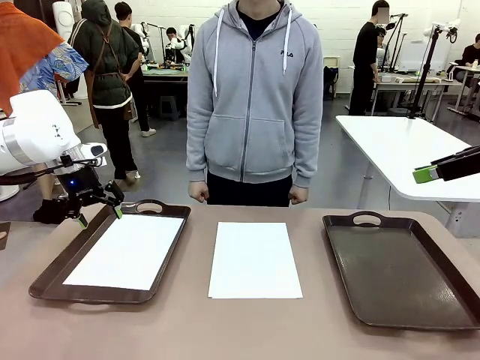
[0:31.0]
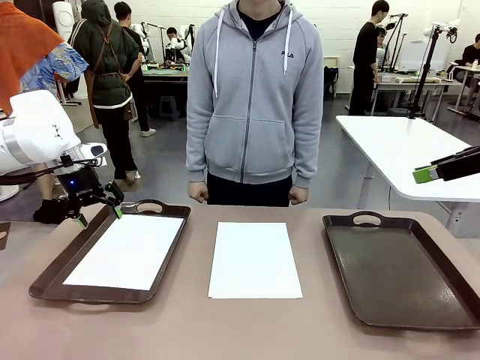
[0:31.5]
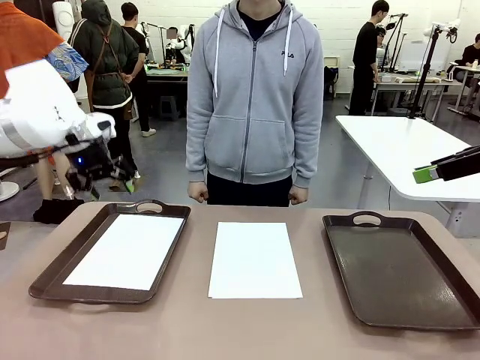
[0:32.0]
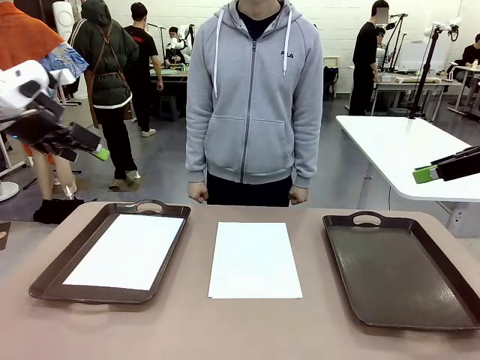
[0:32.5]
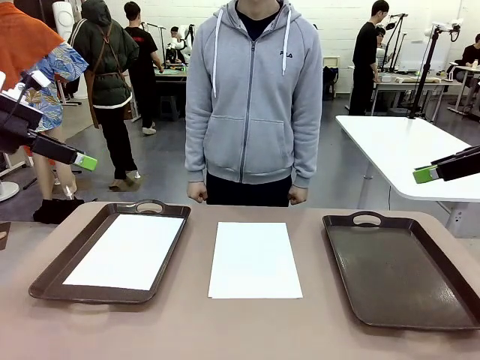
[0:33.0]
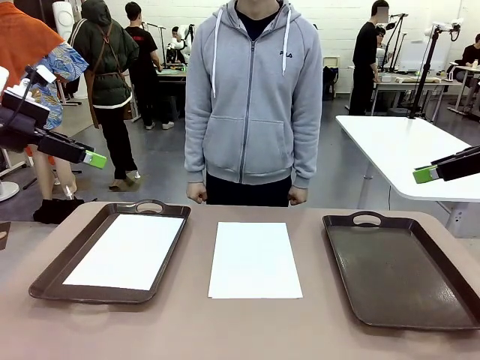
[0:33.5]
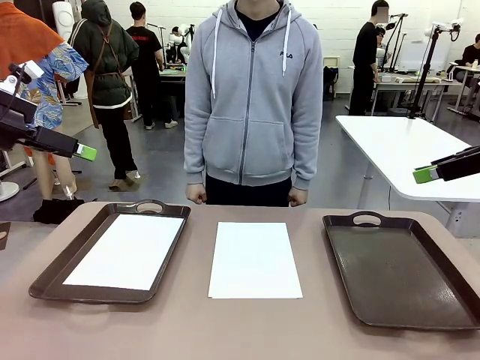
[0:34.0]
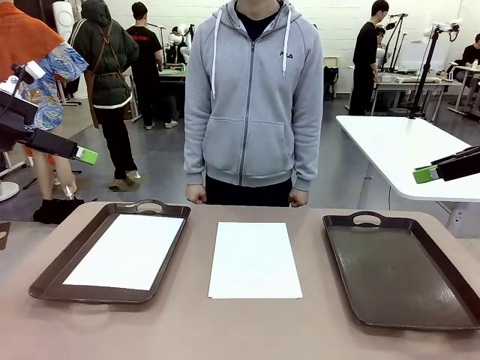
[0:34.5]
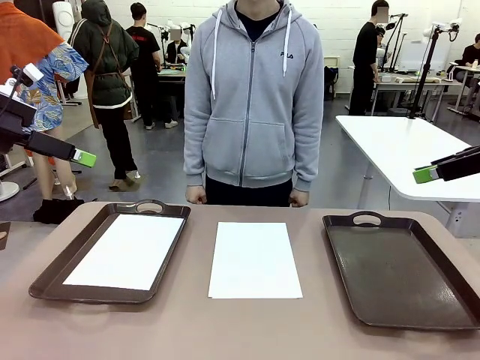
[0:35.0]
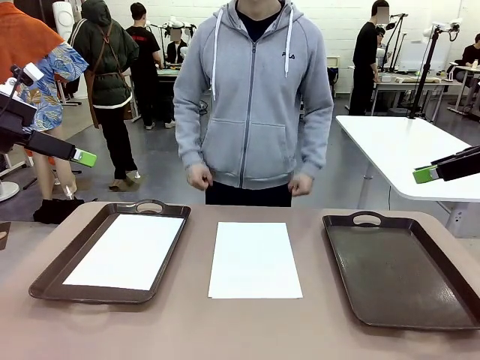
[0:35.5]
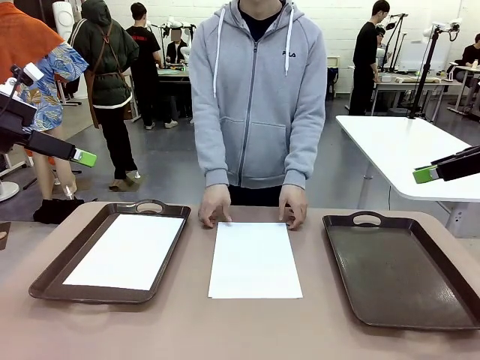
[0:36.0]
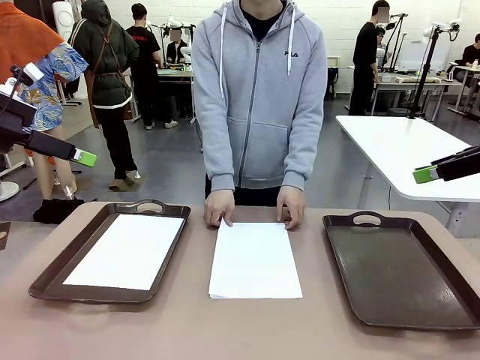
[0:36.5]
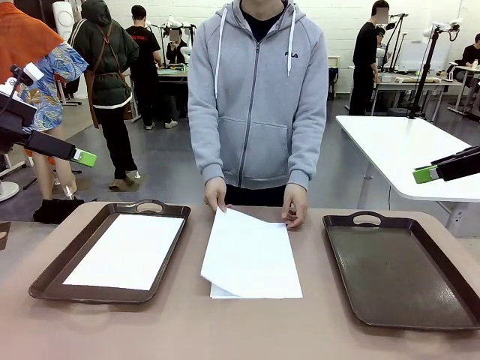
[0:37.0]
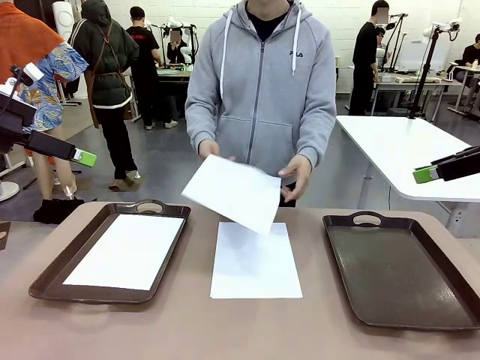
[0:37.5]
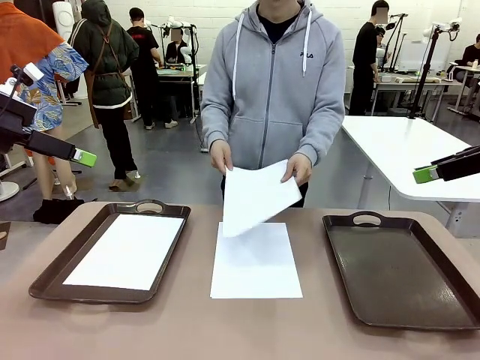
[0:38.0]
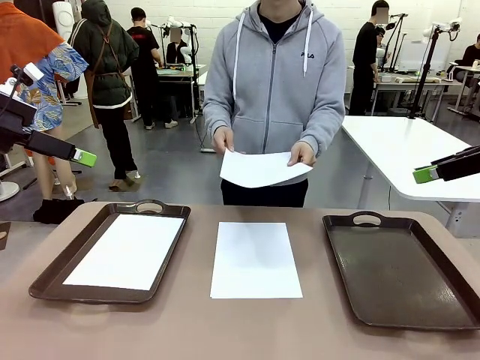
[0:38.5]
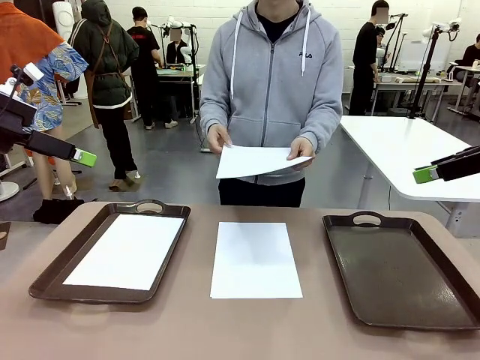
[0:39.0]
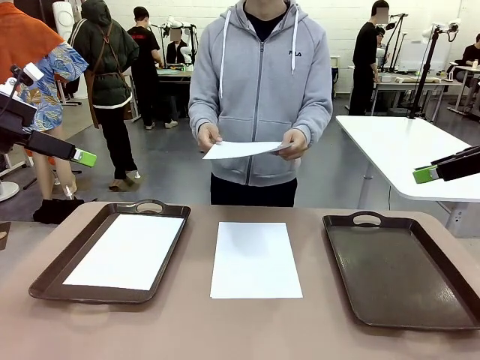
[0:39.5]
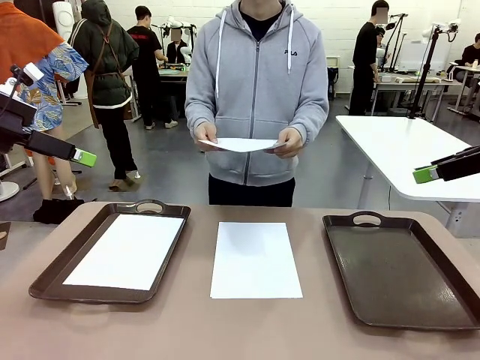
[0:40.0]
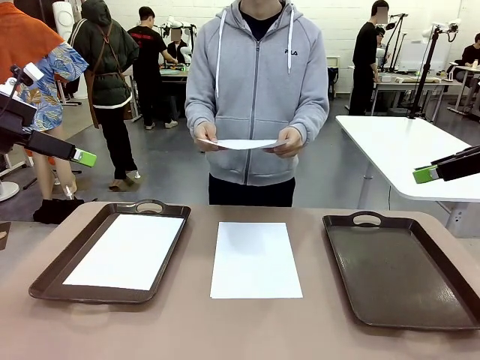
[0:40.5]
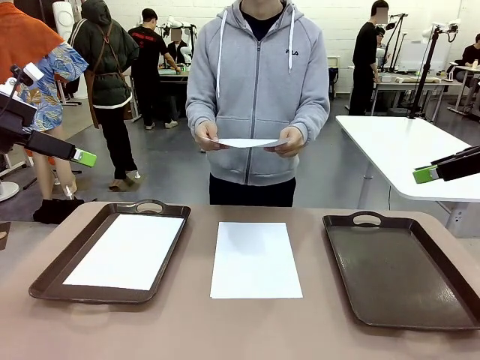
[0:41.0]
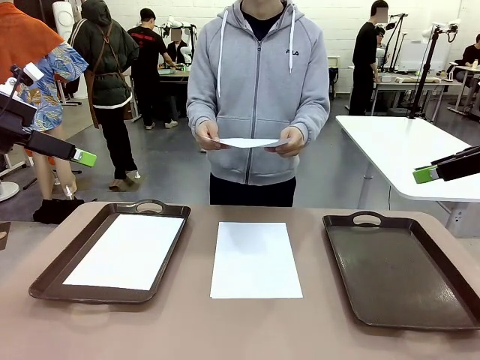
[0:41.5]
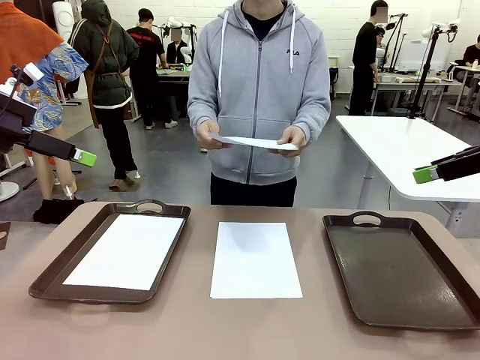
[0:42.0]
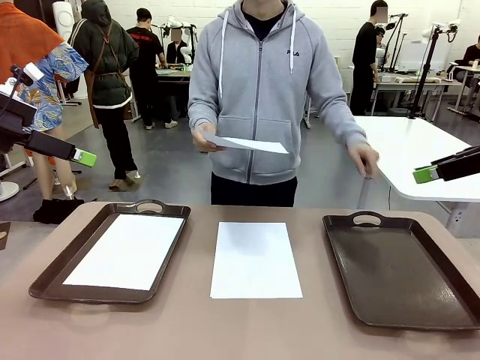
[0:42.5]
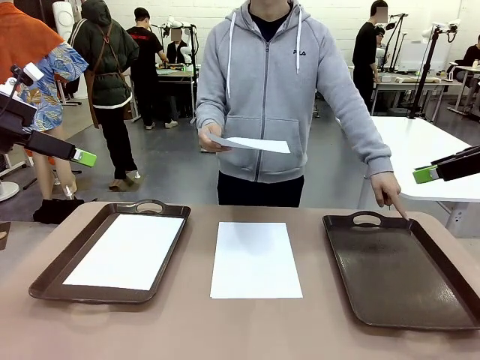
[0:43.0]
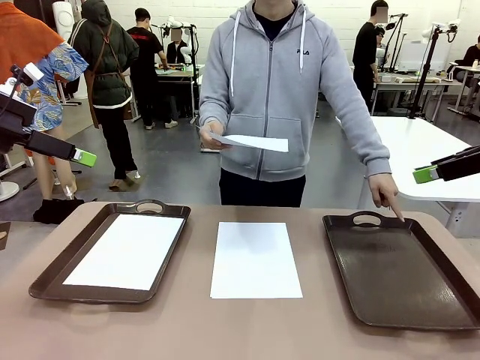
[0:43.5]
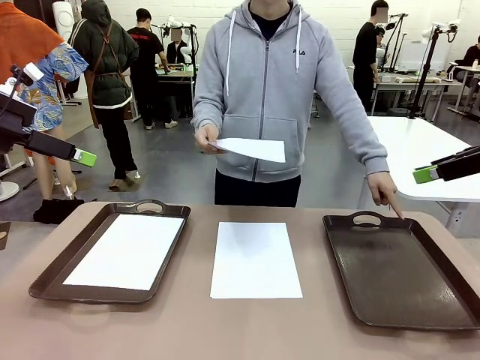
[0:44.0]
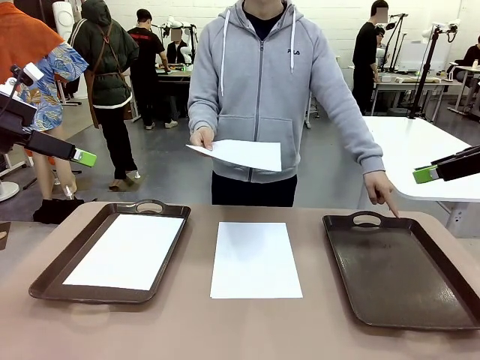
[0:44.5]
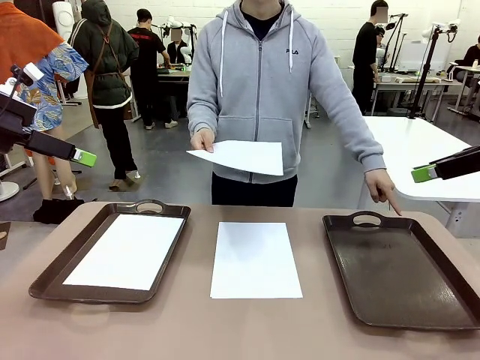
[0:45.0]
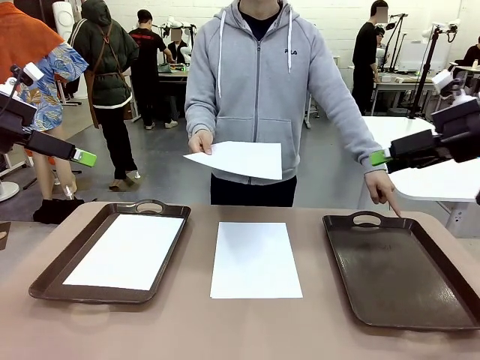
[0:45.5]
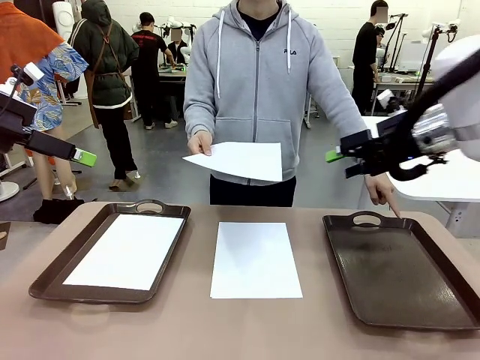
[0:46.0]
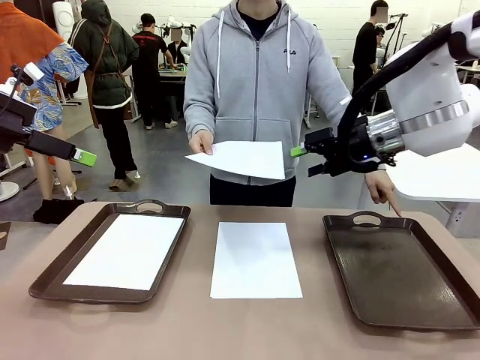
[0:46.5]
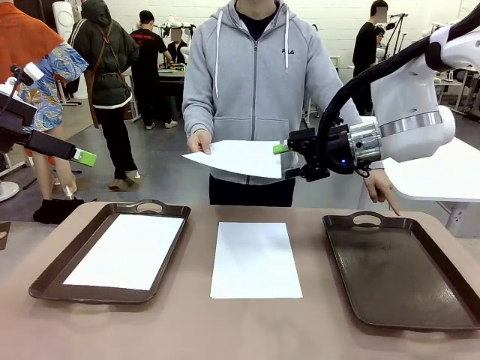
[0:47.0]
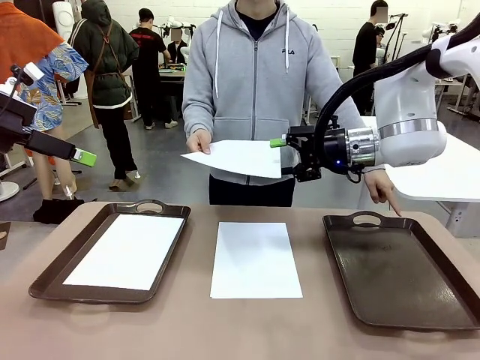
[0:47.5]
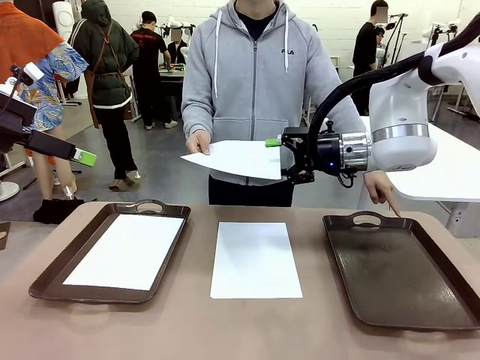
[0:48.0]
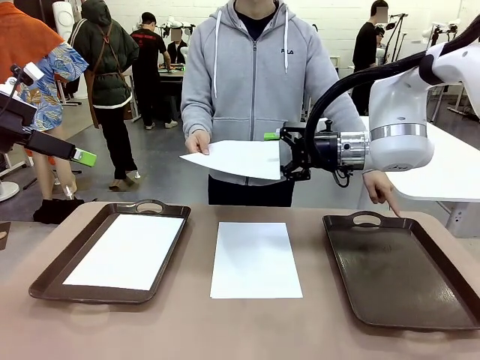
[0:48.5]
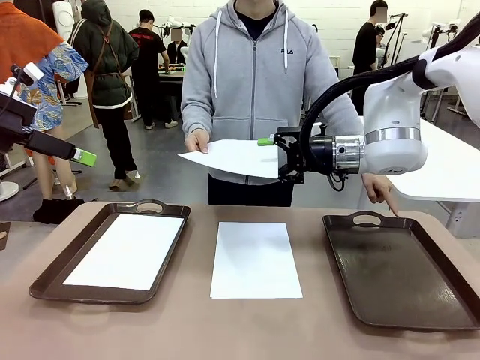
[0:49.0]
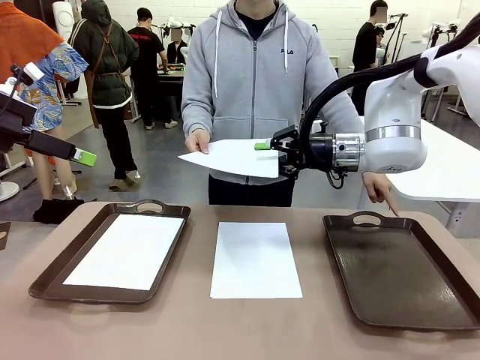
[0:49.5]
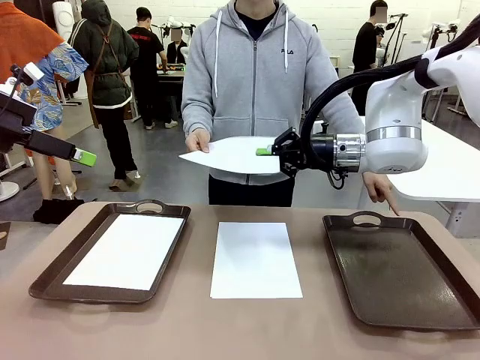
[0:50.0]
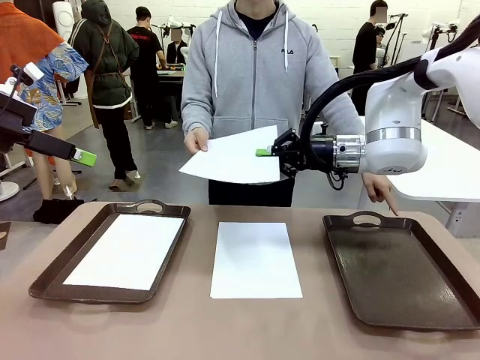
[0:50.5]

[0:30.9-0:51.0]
Task: Sort the A4 documents.
Robot: Receive the A4 Paper.
Person: Point the randomly selected tray with the other hand.

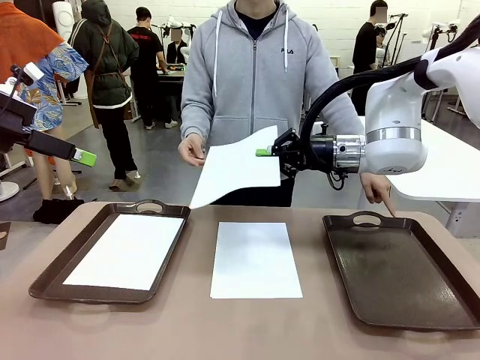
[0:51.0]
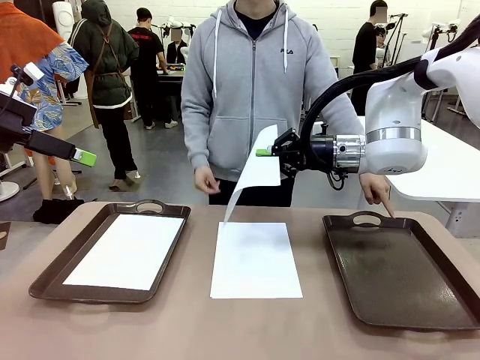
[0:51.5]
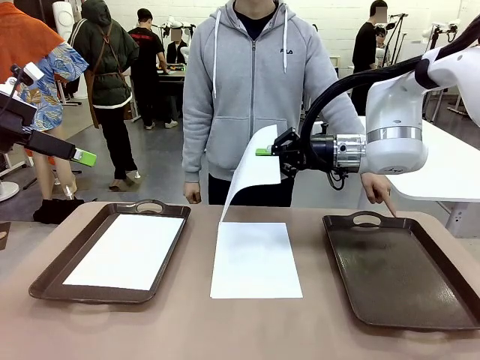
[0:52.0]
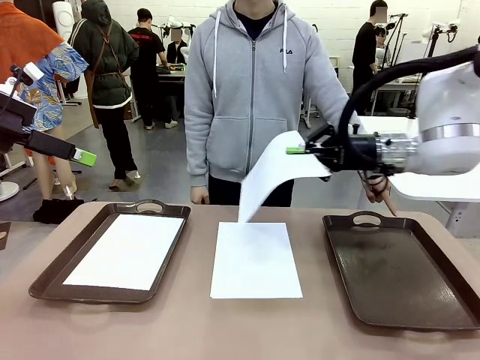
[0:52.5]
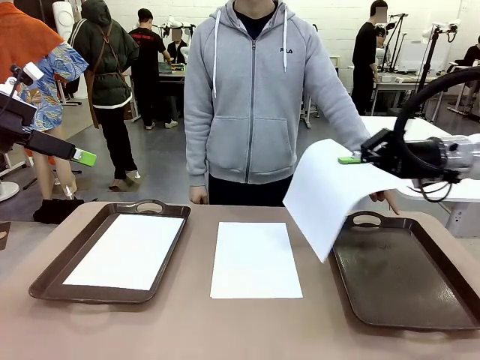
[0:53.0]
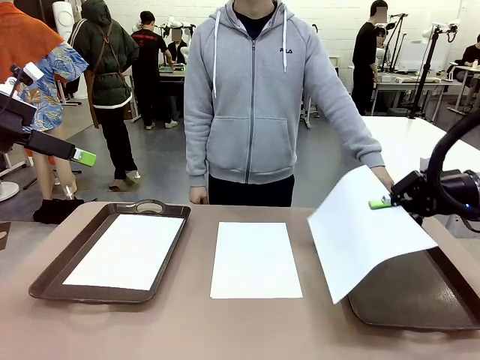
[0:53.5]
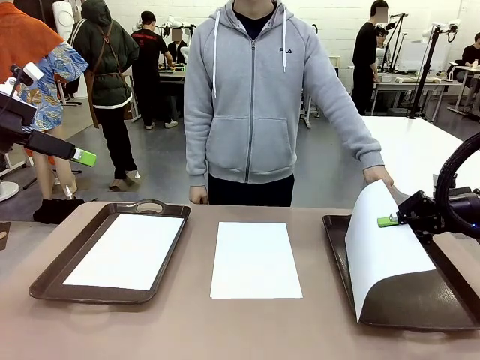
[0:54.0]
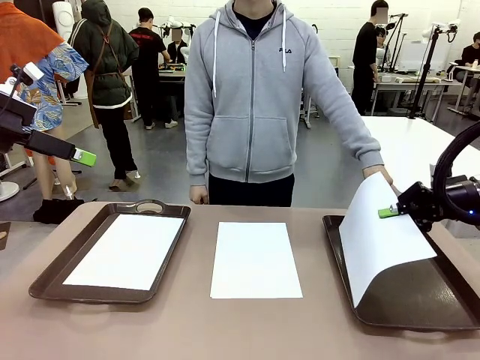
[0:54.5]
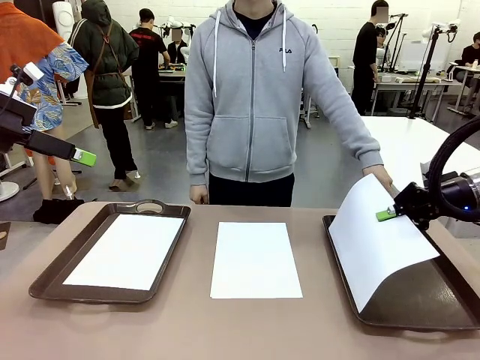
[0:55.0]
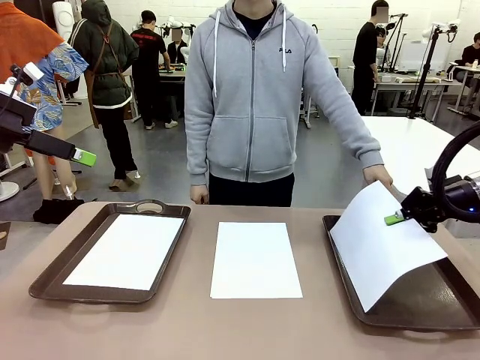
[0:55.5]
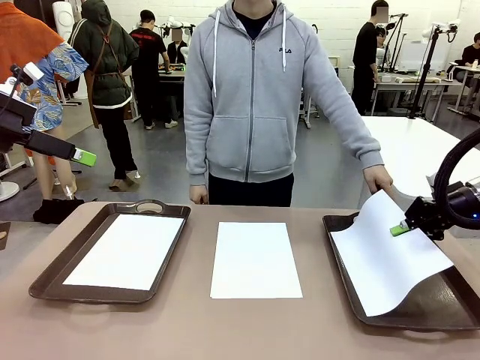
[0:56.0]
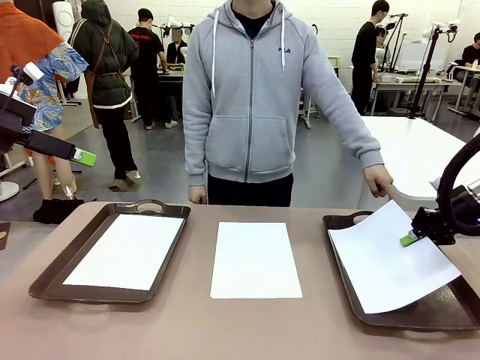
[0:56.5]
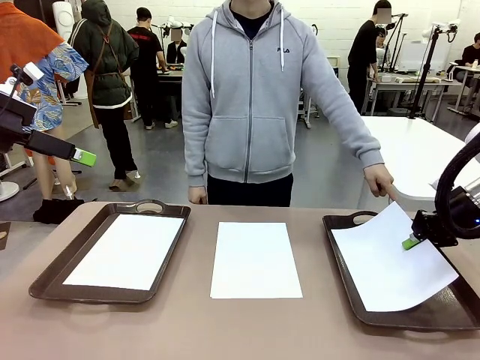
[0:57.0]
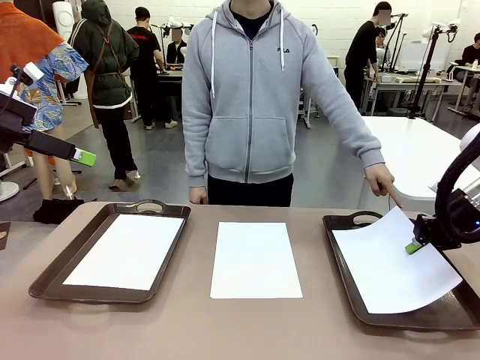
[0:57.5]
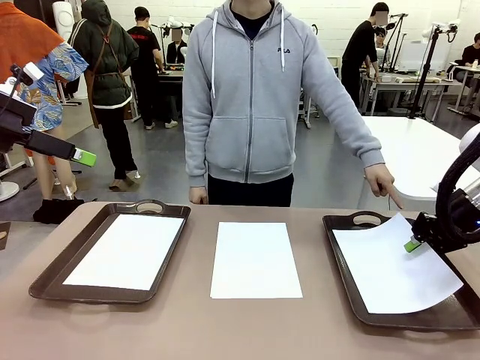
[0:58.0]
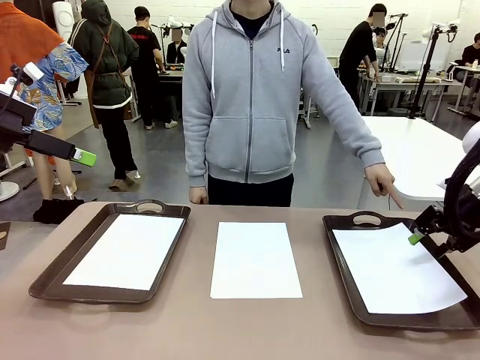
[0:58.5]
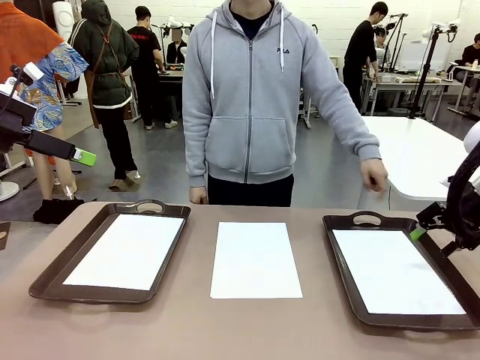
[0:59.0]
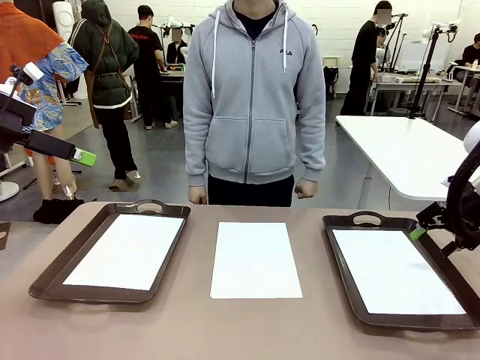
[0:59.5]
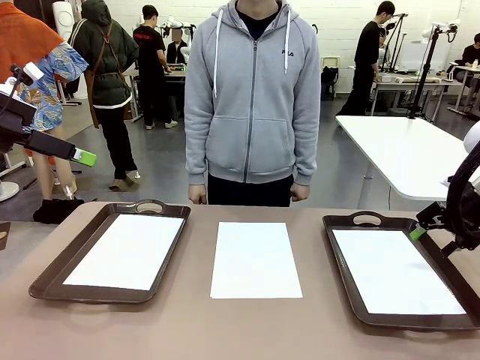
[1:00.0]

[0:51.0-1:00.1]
Robot: Place the A4 Paper in the designated Handle tray.
